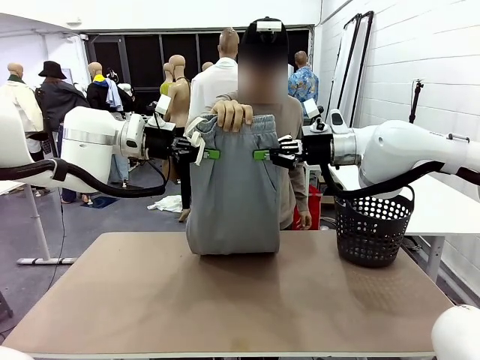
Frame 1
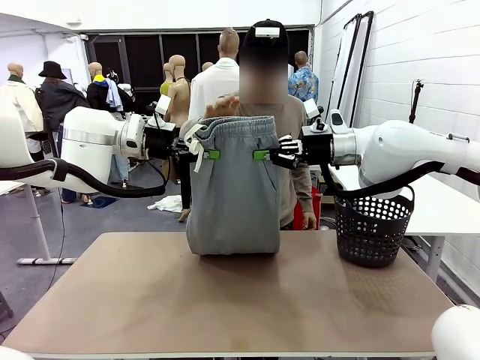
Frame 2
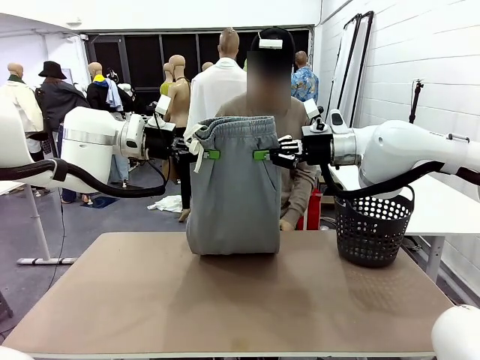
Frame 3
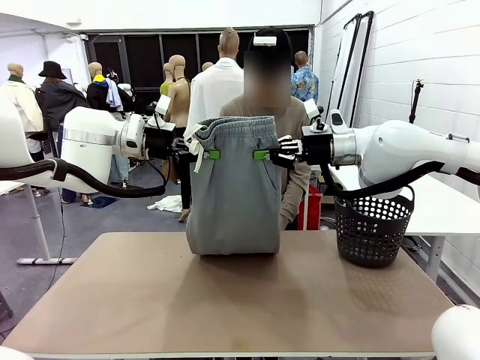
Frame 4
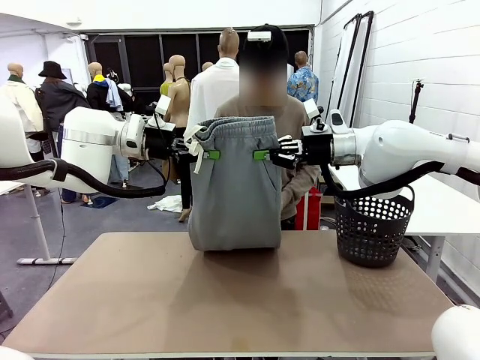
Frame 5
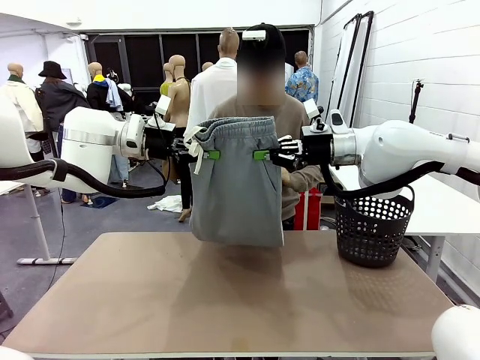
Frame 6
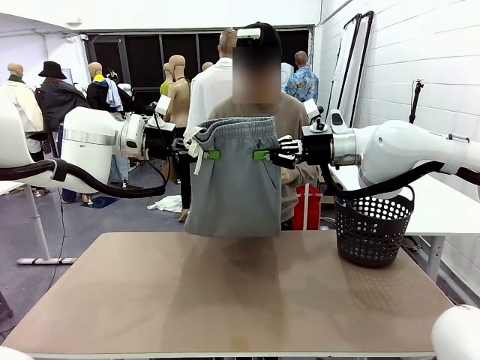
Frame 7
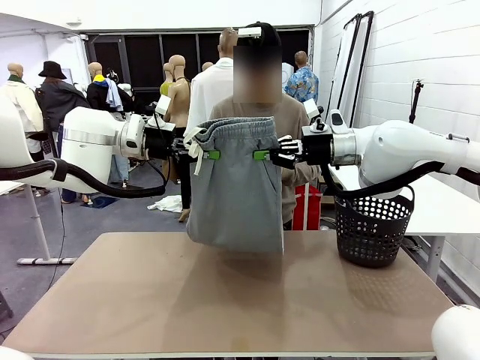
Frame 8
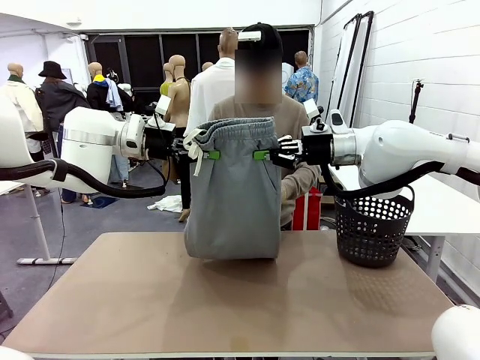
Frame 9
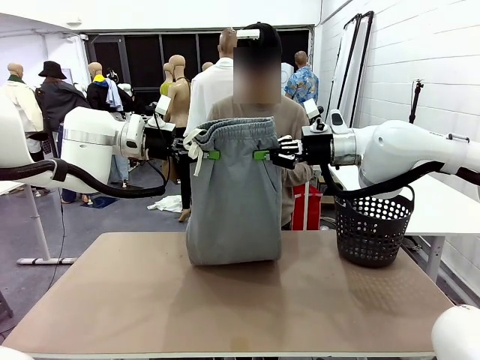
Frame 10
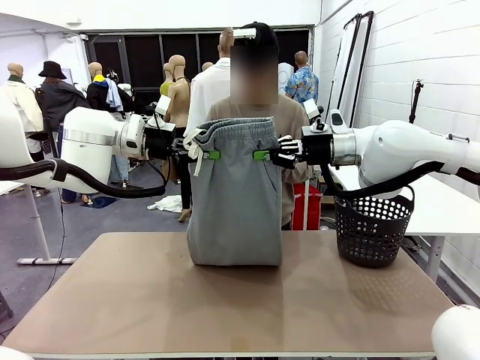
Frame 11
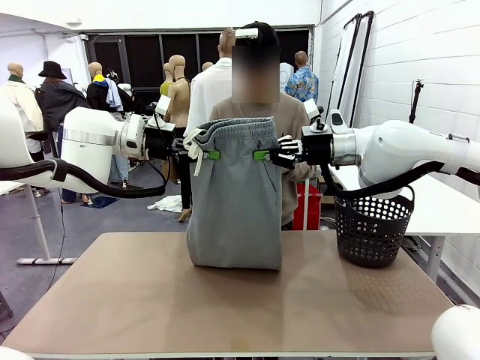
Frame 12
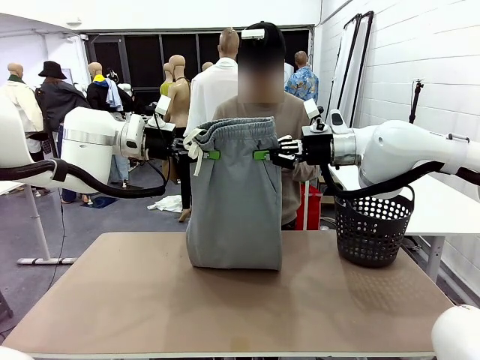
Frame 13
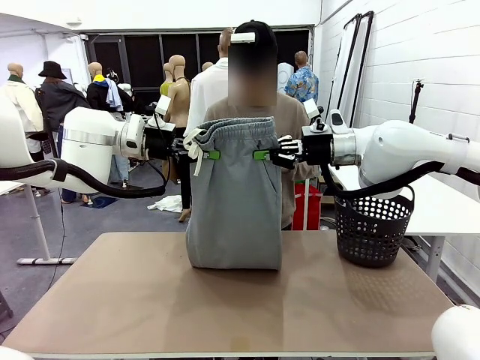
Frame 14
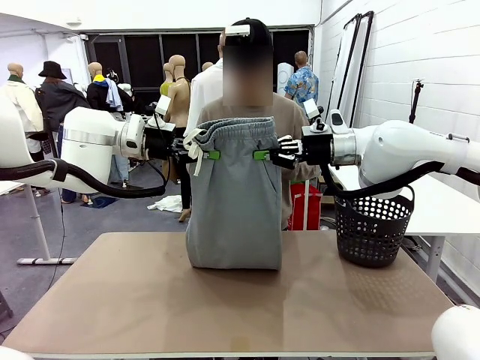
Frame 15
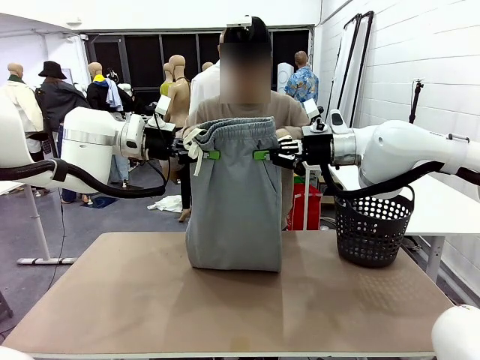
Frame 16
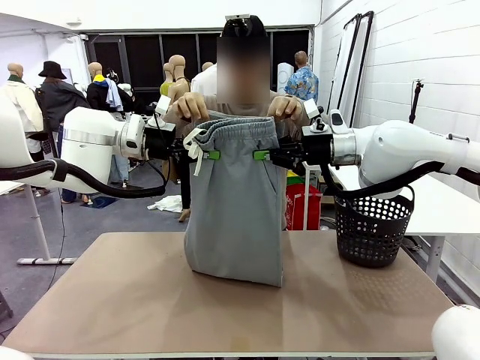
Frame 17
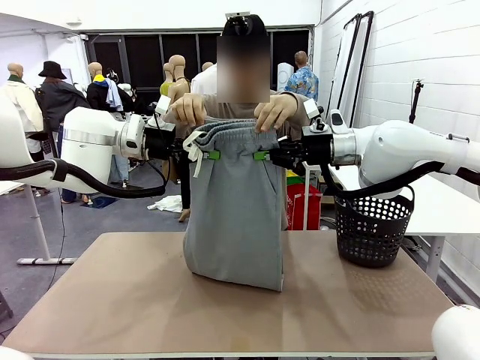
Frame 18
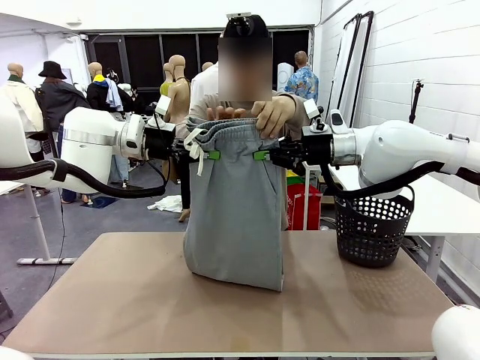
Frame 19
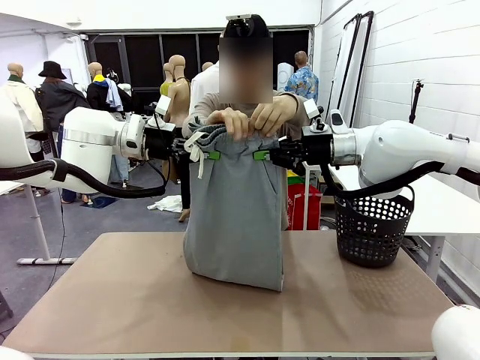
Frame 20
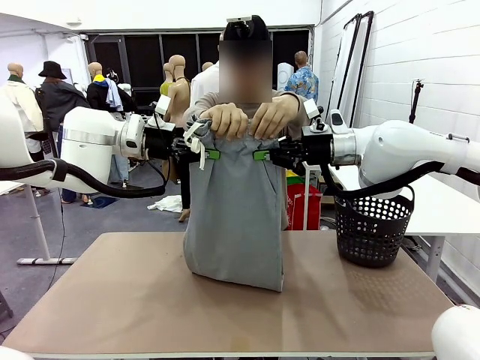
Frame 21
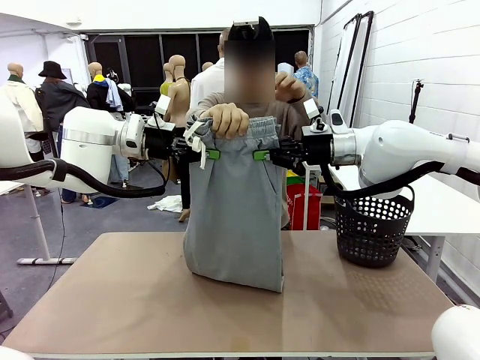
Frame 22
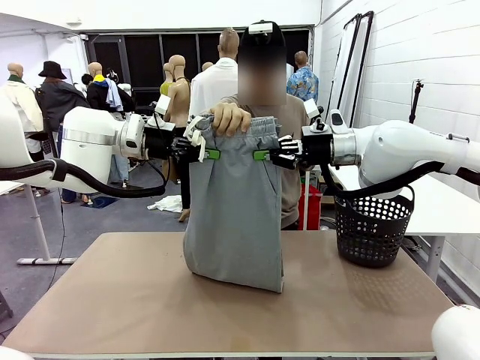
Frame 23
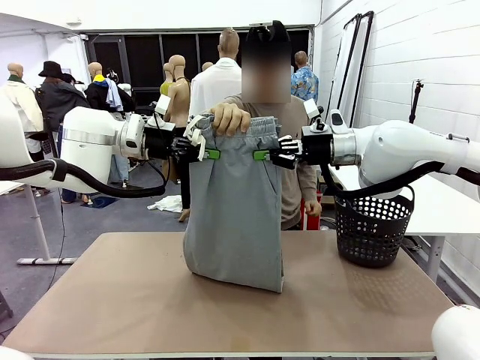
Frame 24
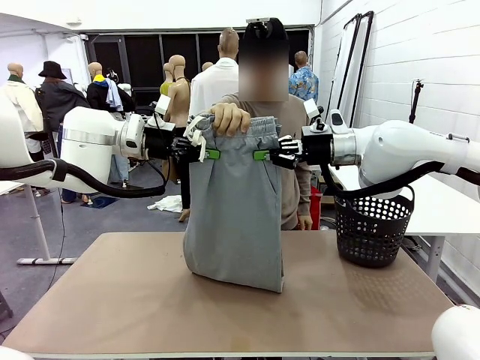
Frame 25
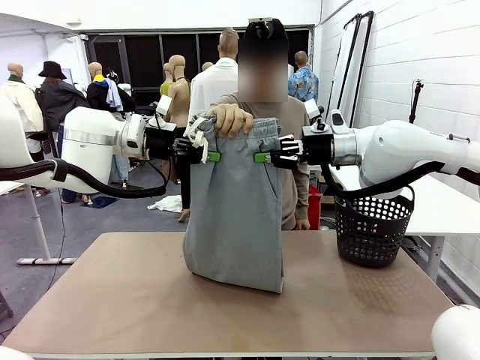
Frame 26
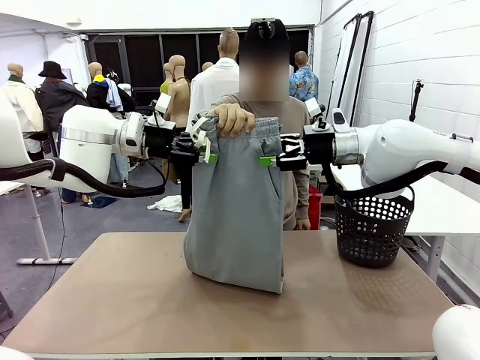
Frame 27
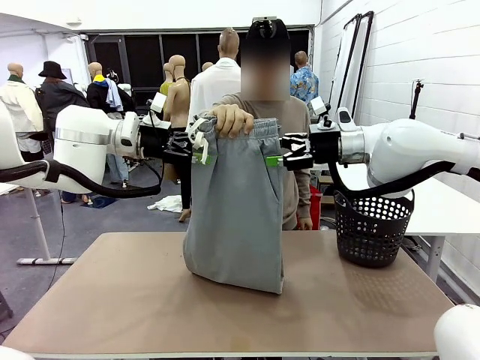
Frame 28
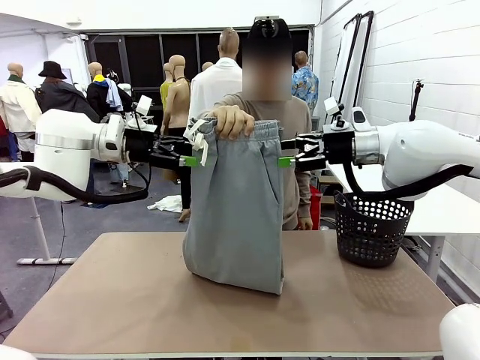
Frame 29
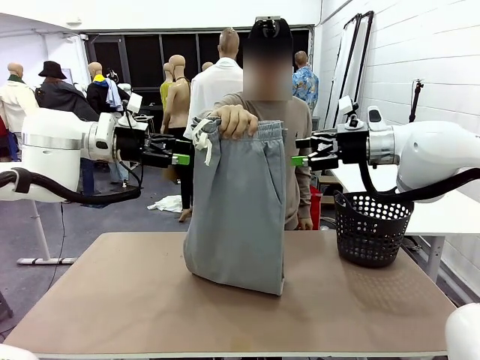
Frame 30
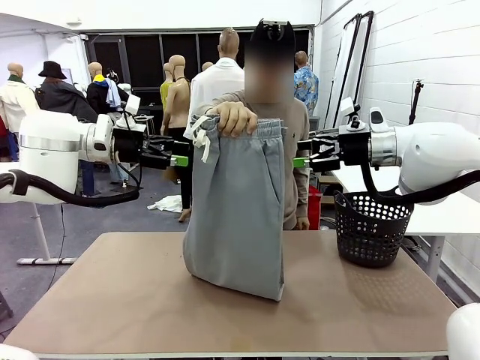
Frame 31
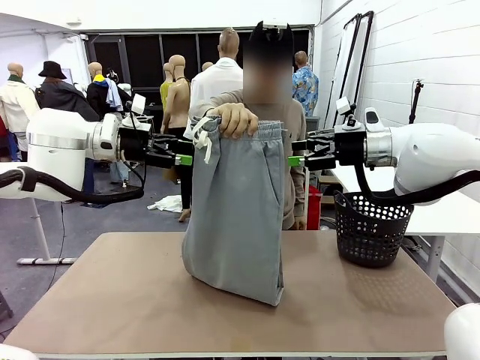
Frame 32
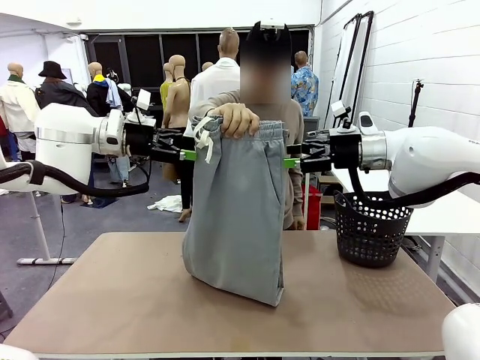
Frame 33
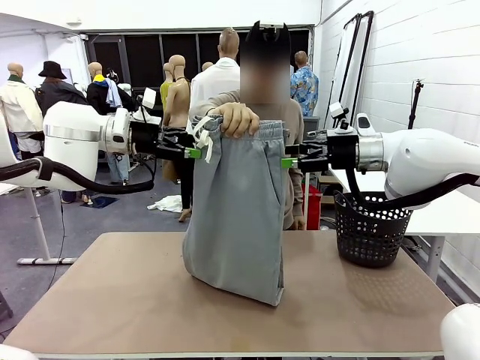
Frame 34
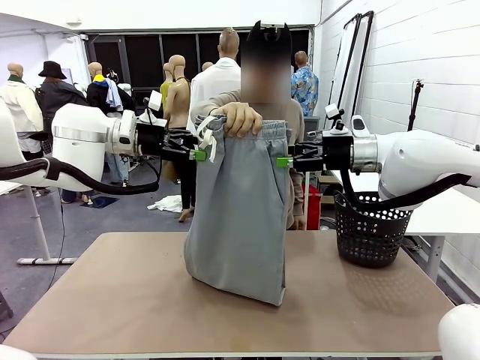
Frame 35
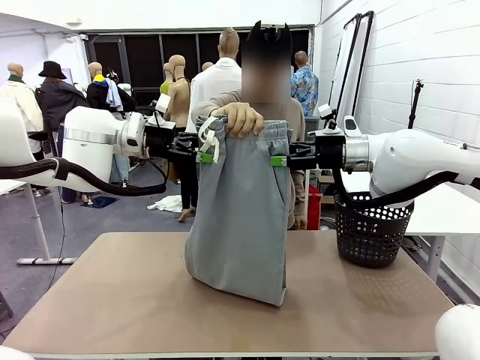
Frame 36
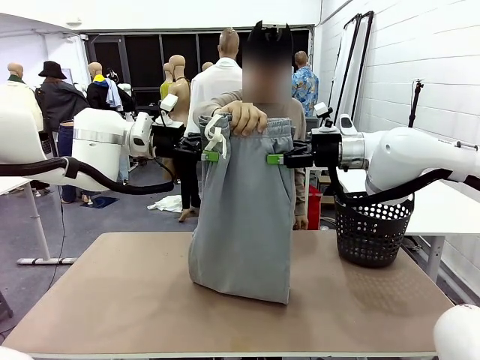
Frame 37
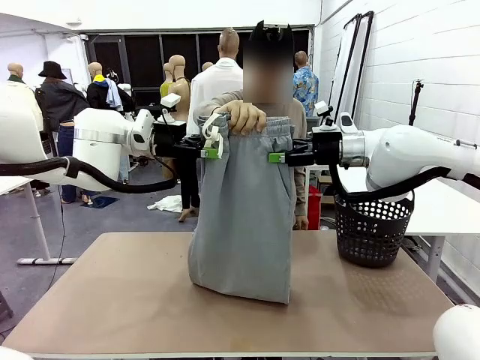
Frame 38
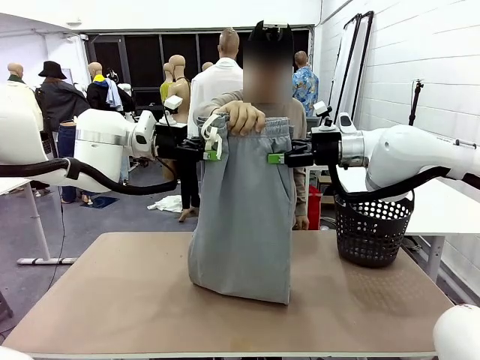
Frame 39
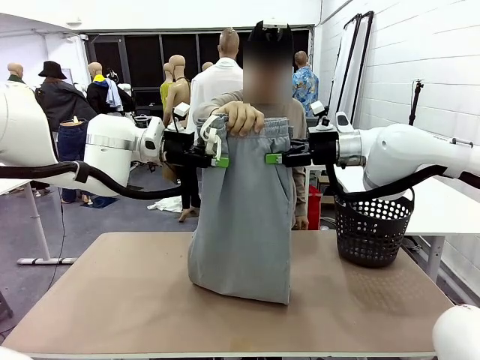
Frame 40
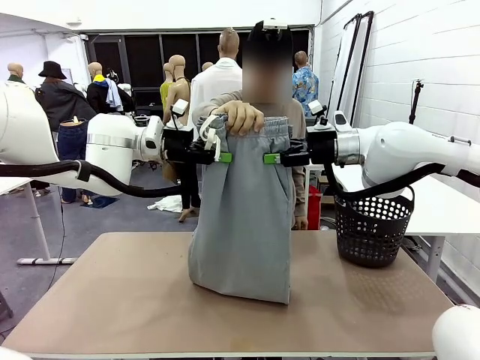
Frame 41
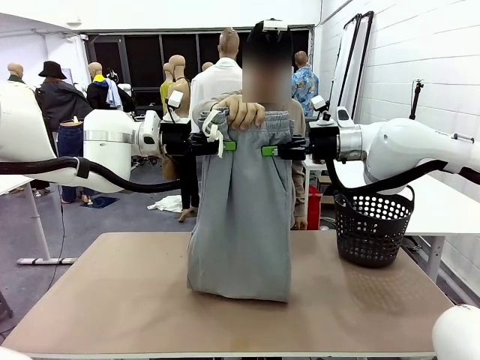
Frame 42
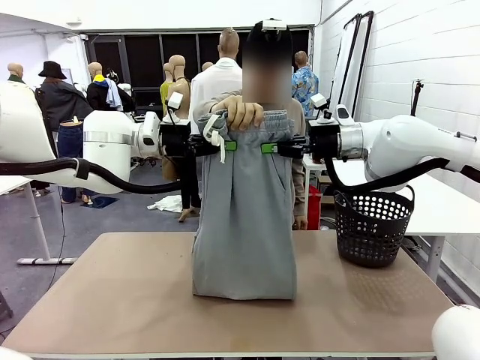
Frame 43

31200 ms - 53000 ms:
Task: Fold the training pants.
Robot: Release the ends of the Training pants and then grab the overlapped ends.
Person: Grasp the end opposite the point the robot is holding, fold the pants in half, and then grasp the overlapping top end of the folded pants. Release the pants you were holding.

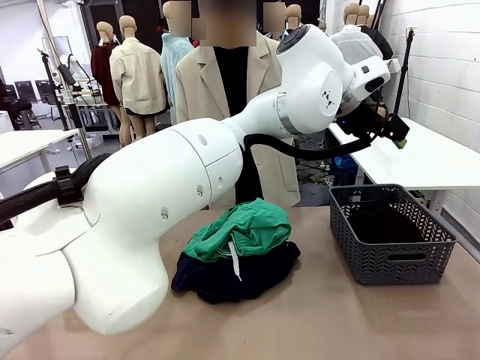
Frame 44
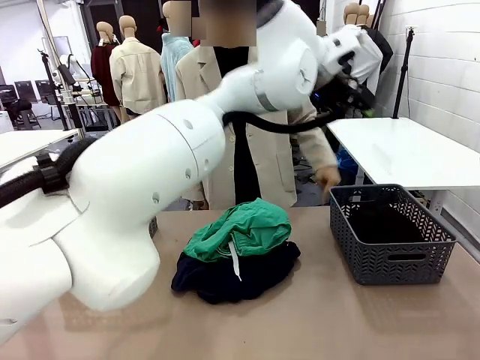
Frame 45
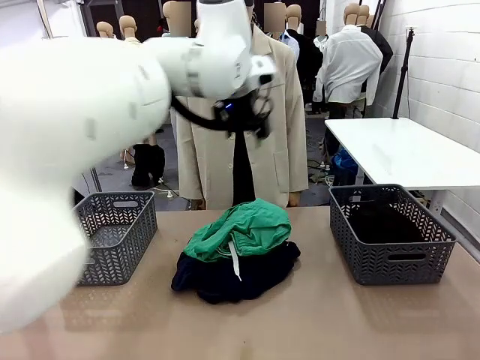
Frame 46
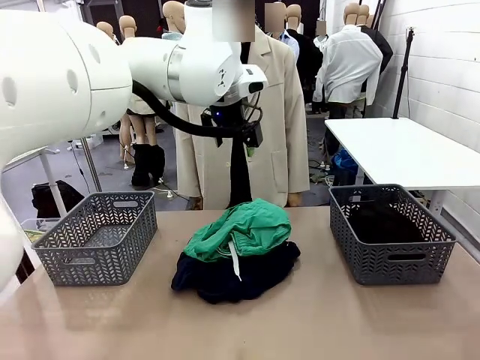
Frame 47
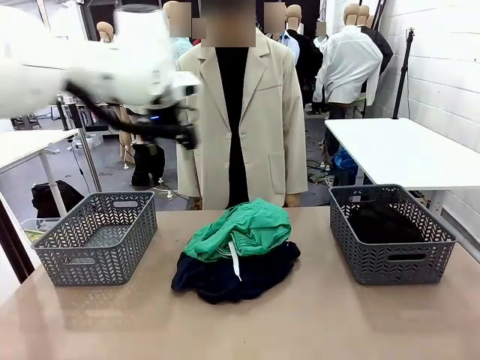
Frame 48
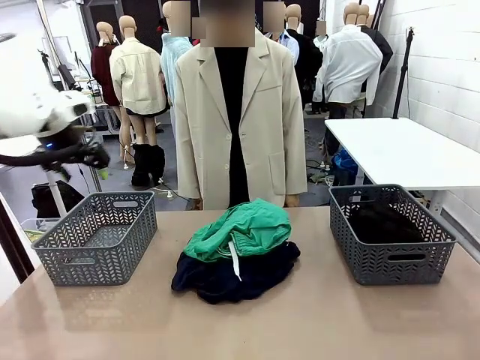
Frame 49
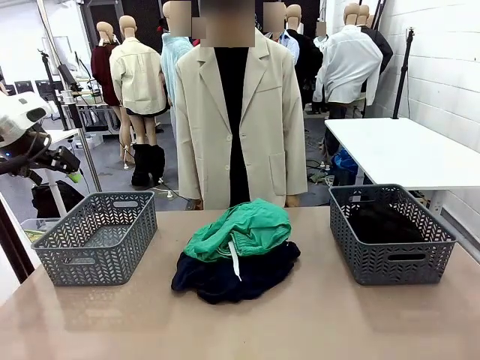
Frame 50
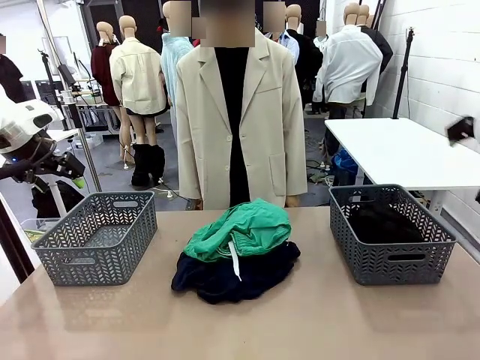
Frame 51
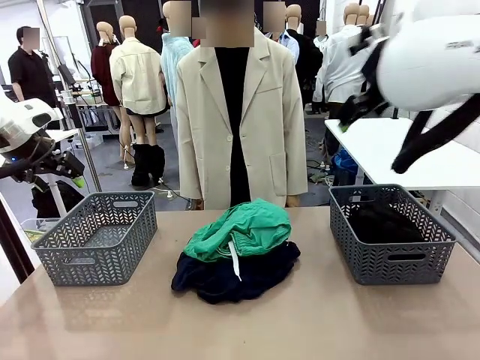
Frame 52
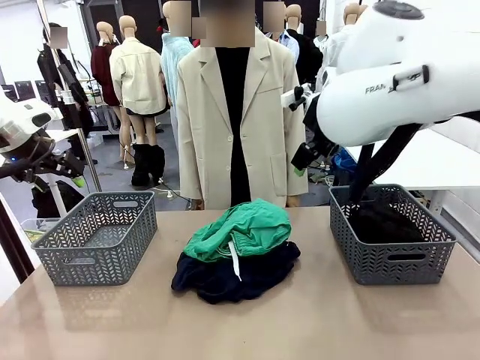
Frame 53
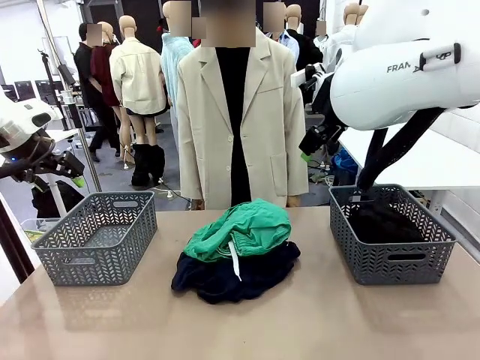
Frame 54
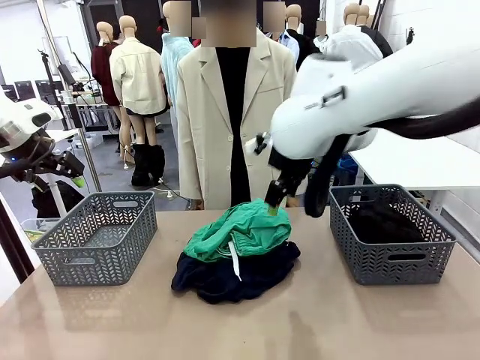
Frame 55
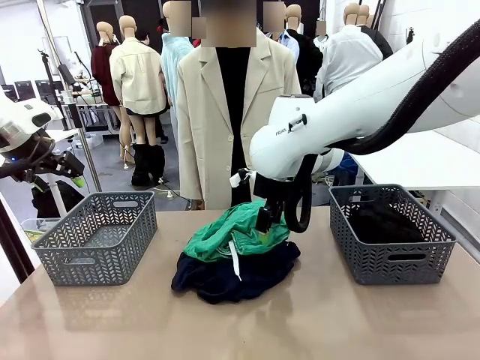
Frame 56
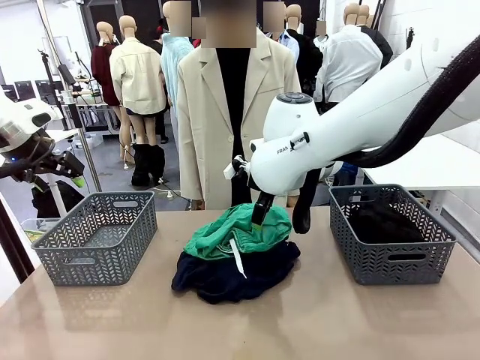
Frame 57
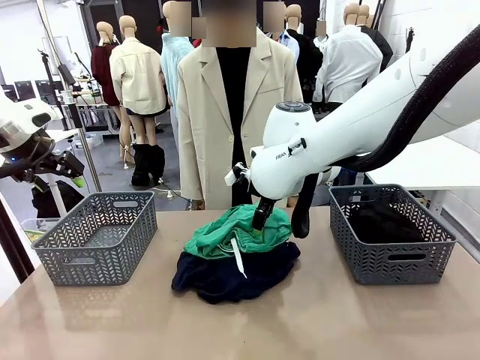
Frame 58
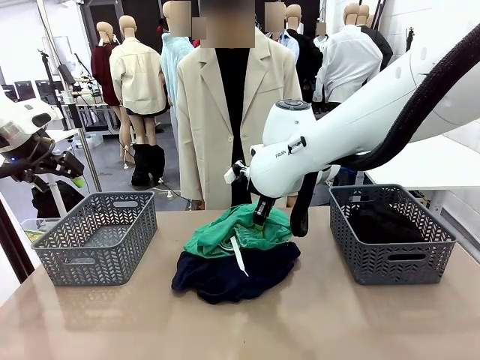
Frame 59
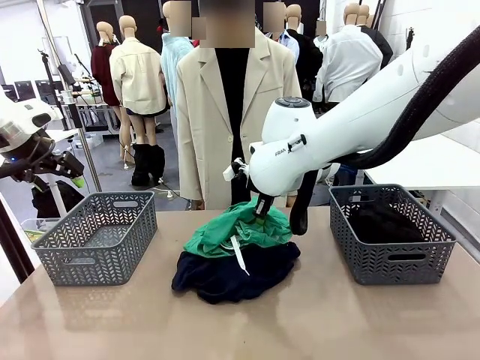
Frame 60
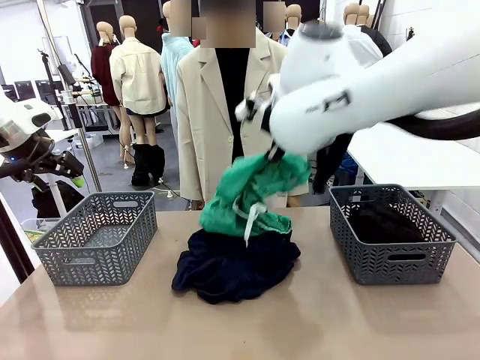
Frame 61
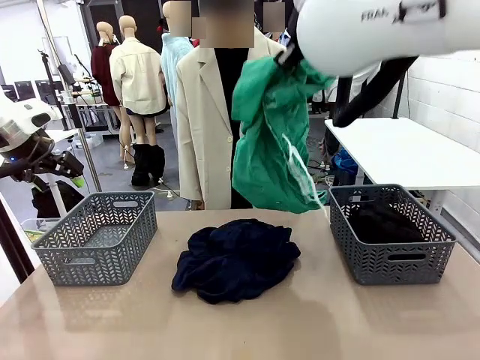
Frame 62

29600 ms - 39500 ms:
Task: Sort the tops and bottoms.
Robot: Lift clothes from the center of the table with your right hand.
